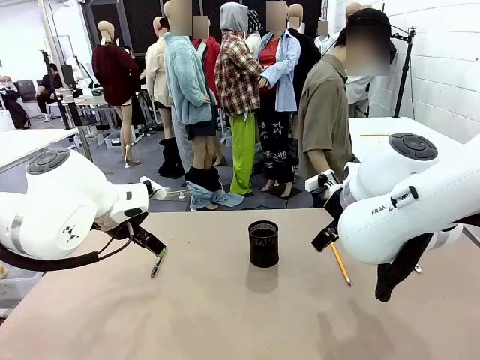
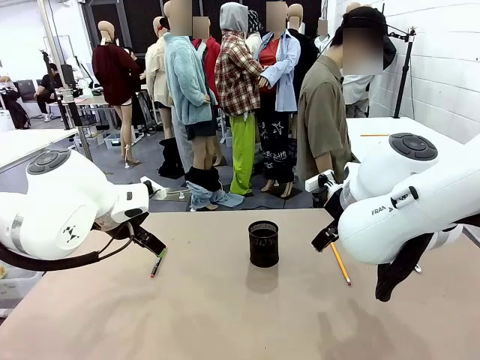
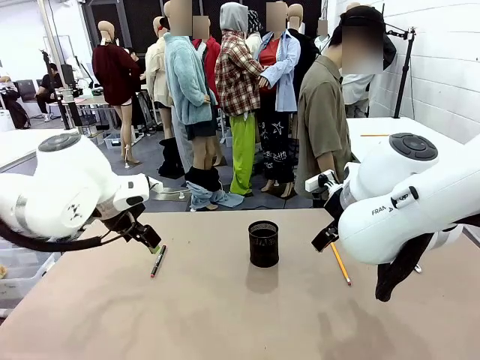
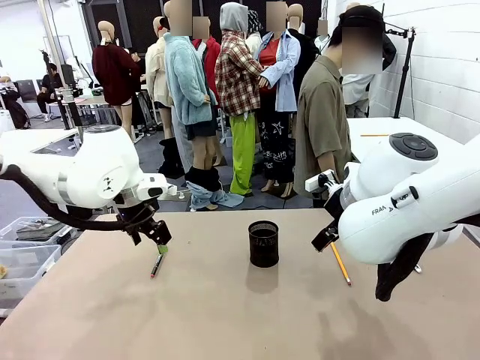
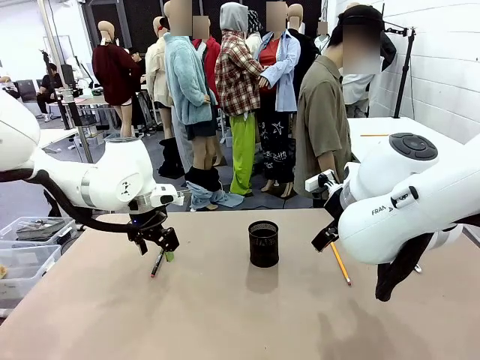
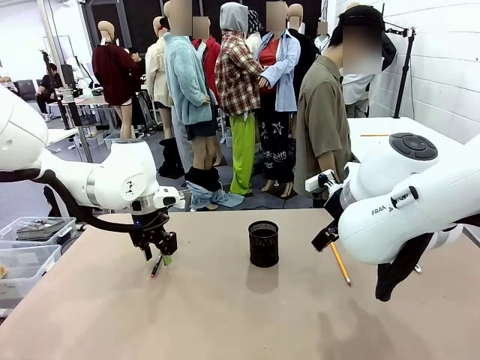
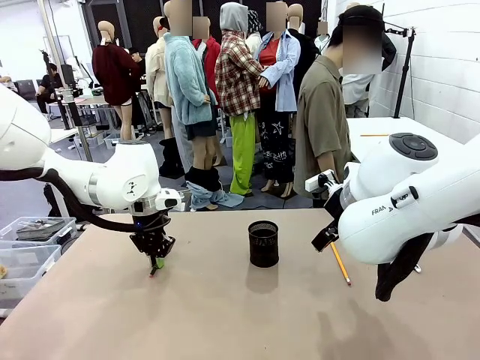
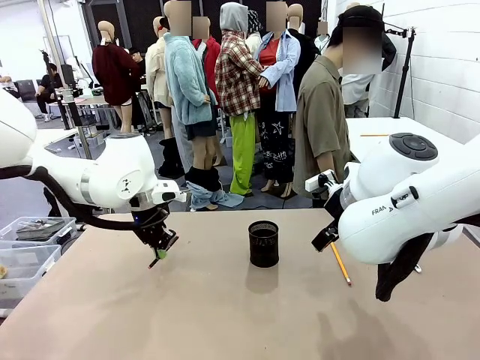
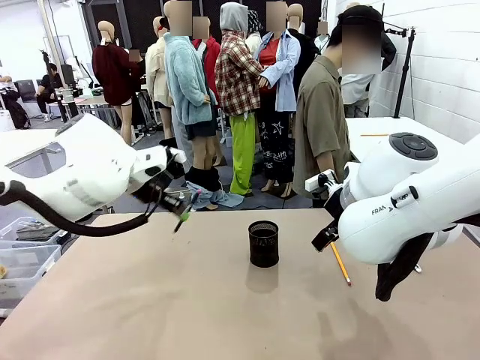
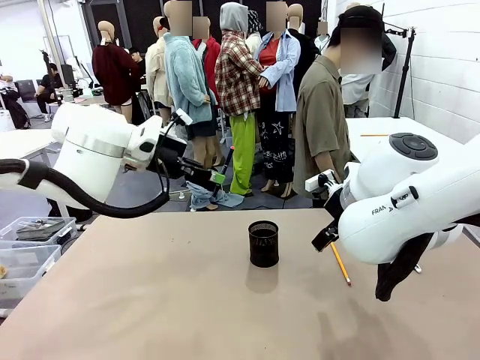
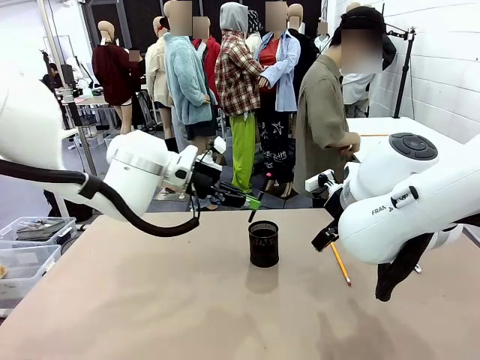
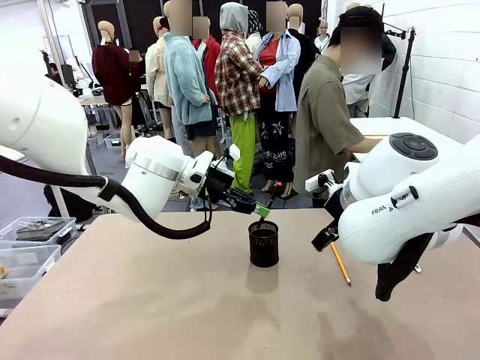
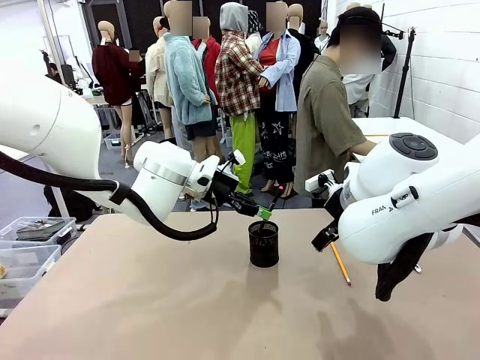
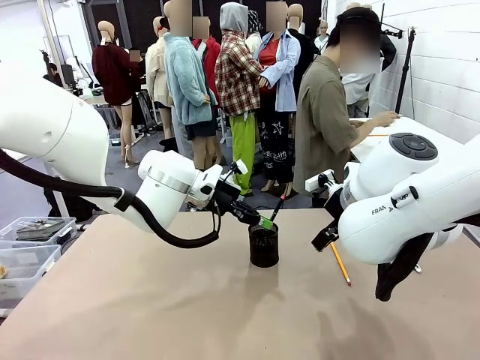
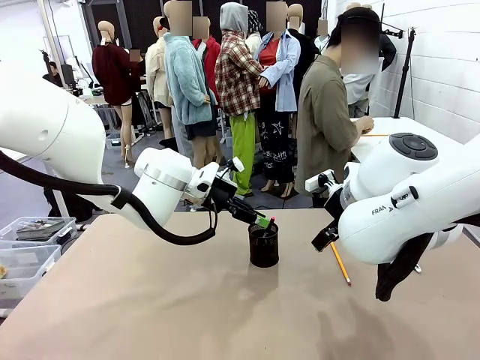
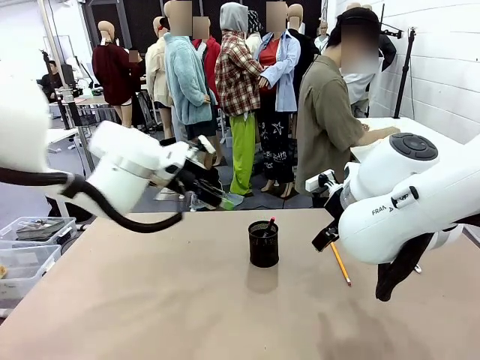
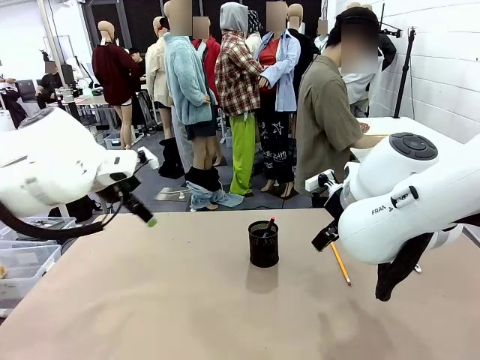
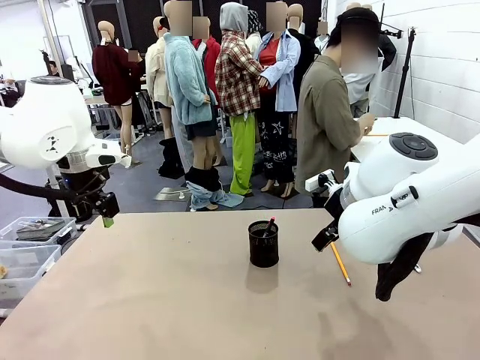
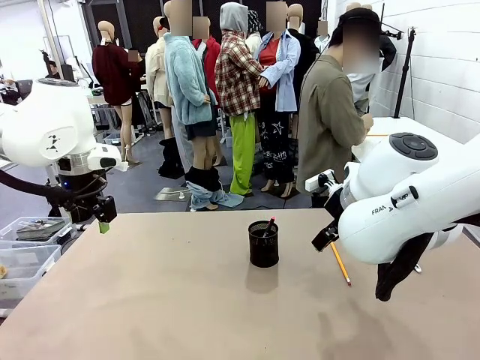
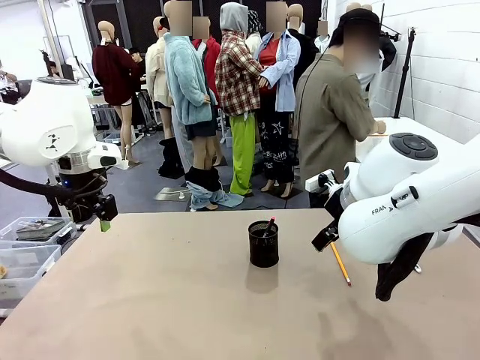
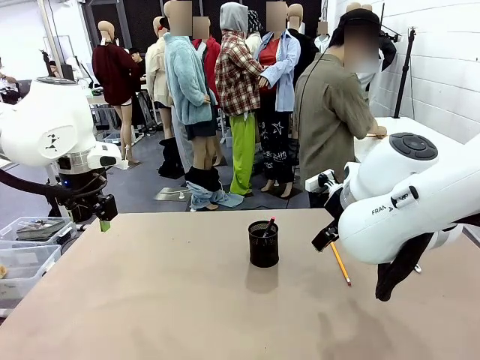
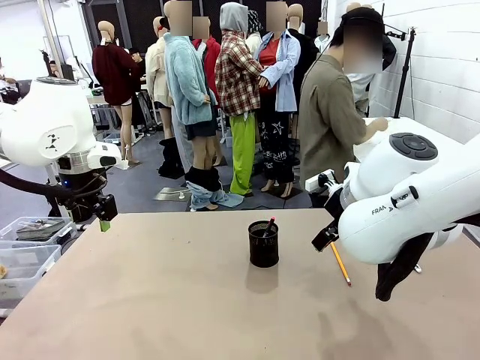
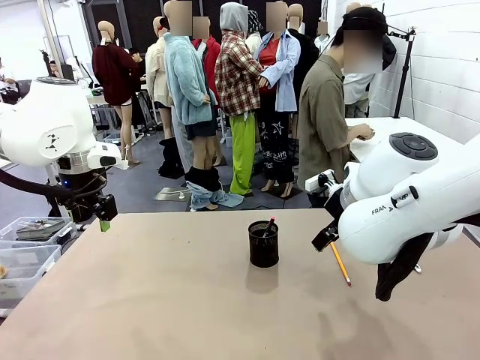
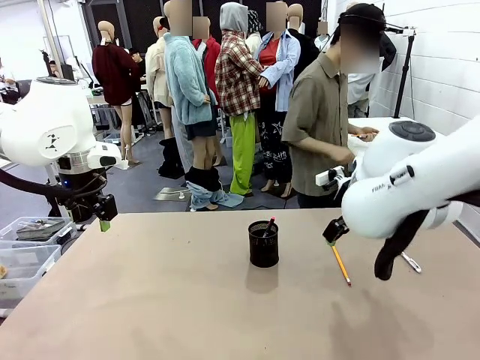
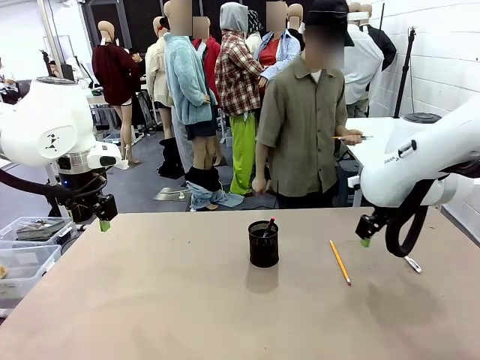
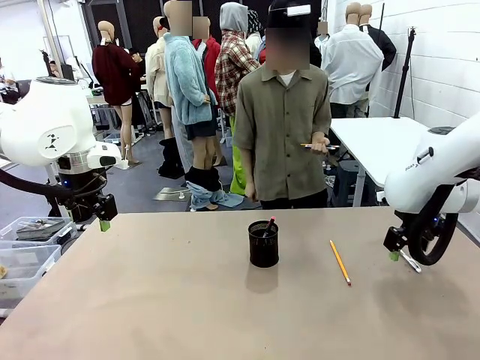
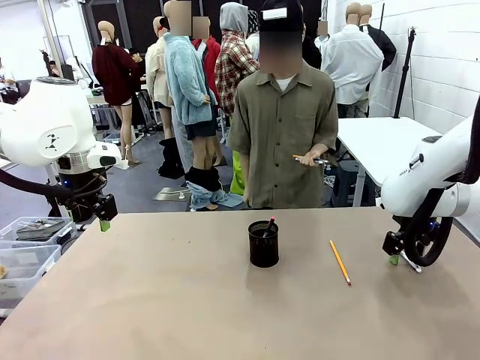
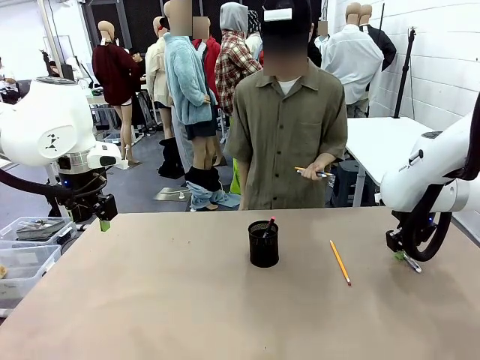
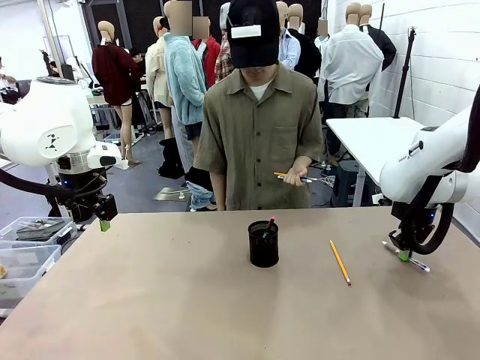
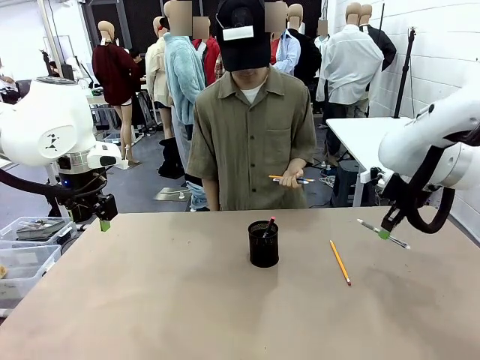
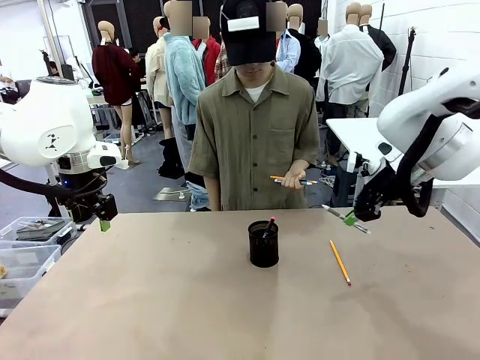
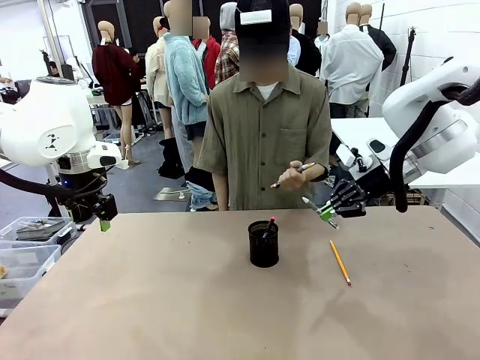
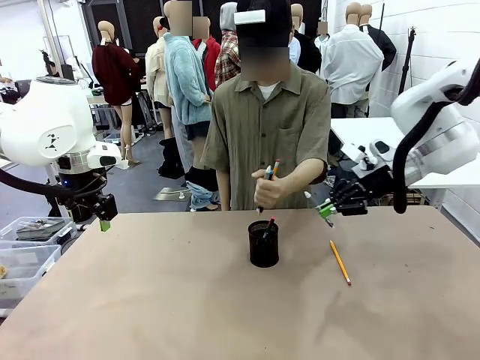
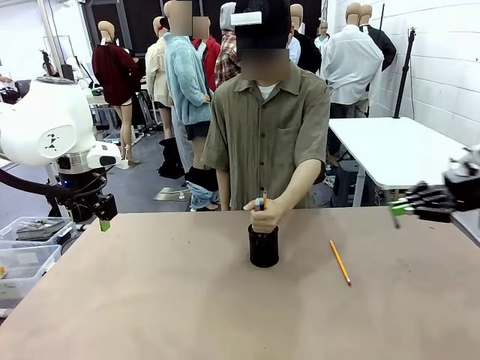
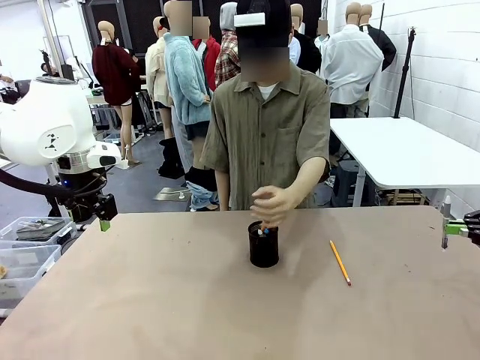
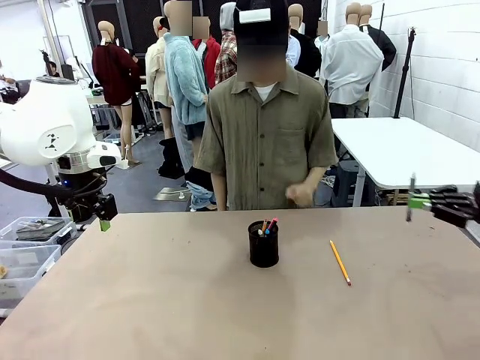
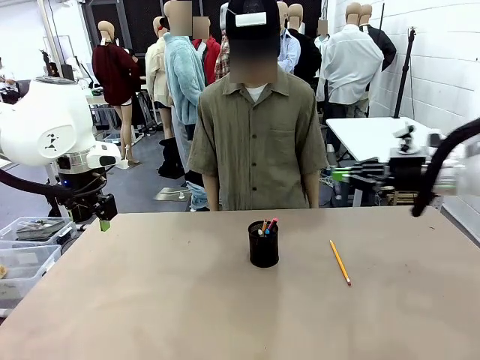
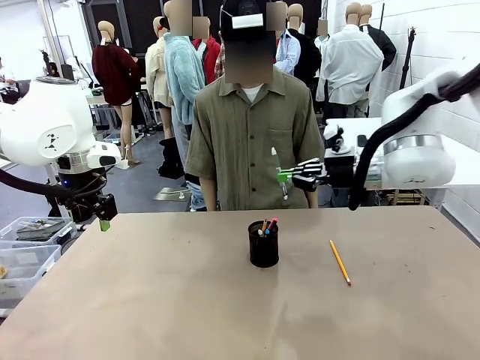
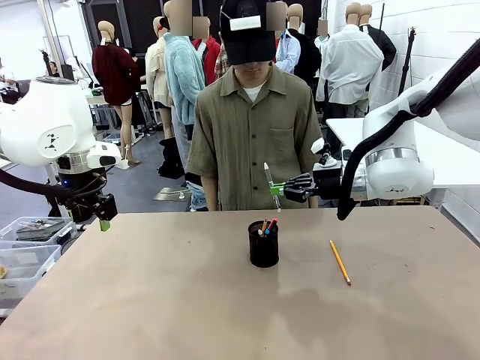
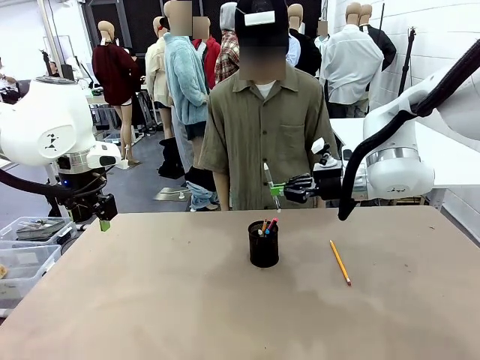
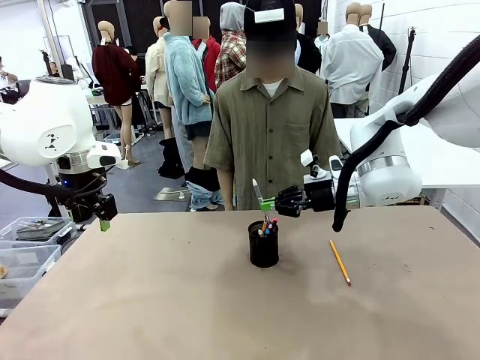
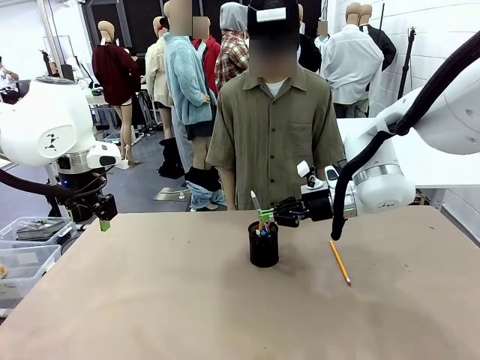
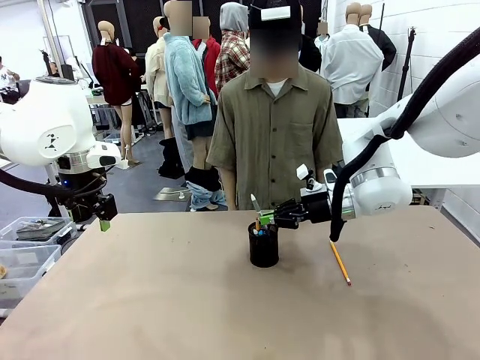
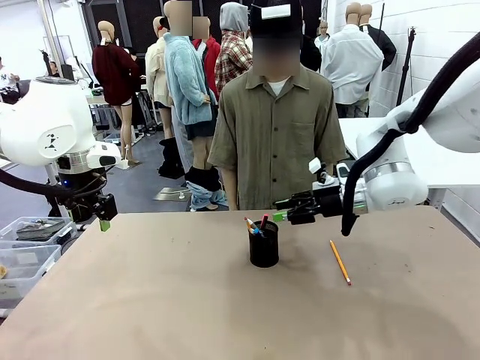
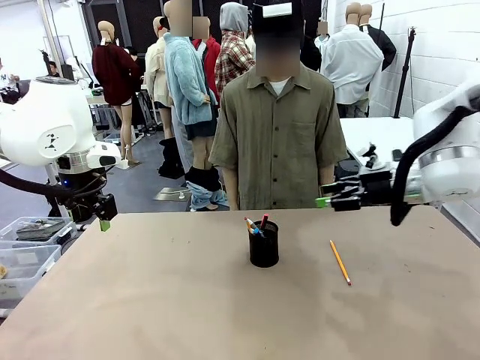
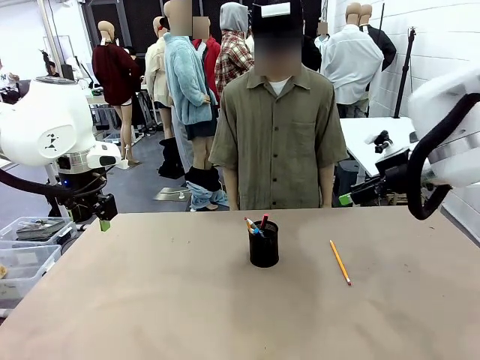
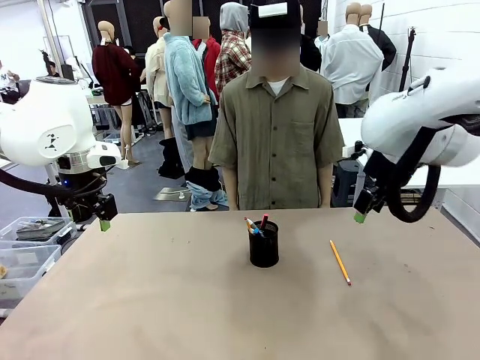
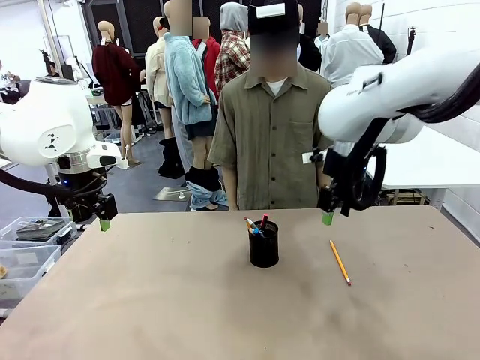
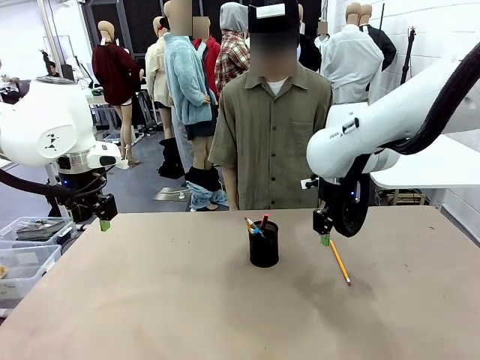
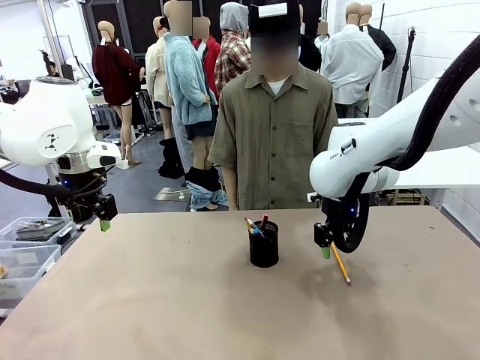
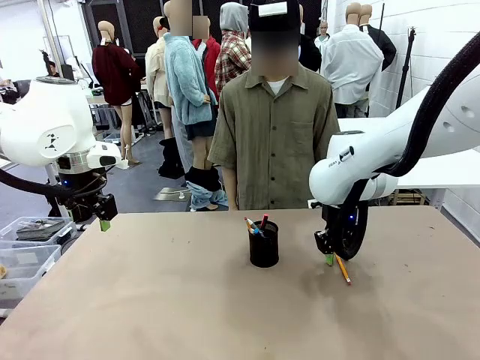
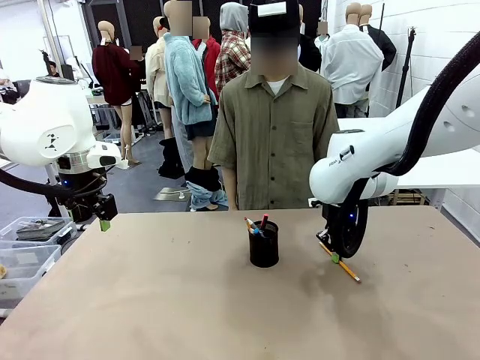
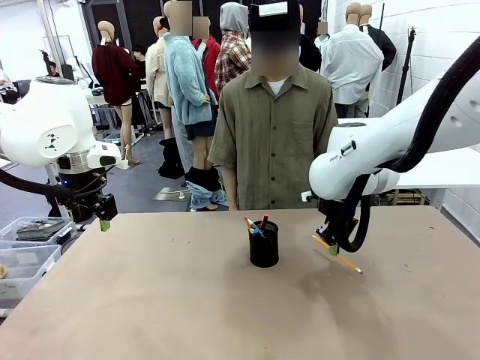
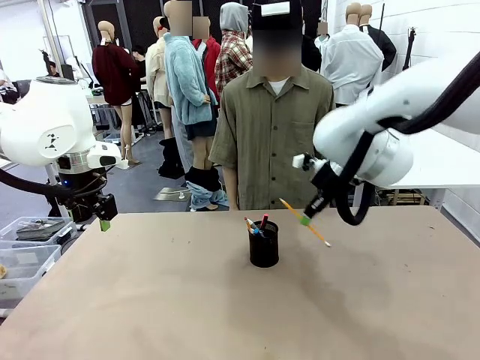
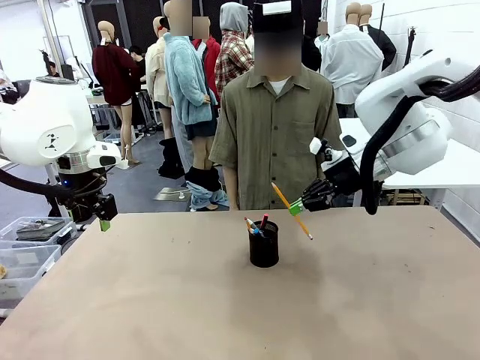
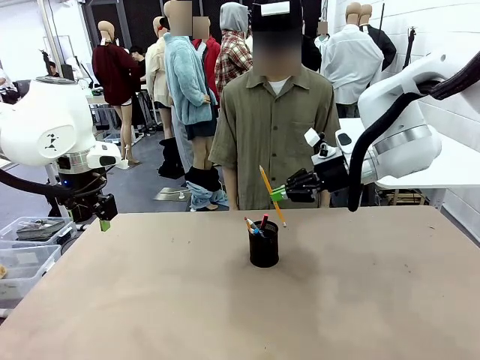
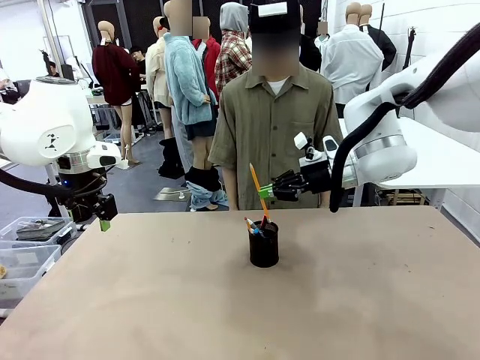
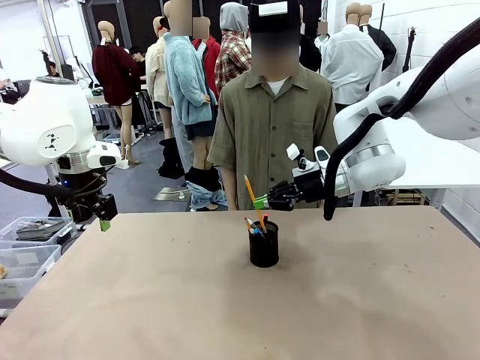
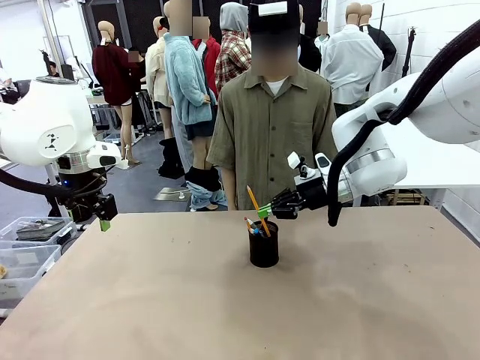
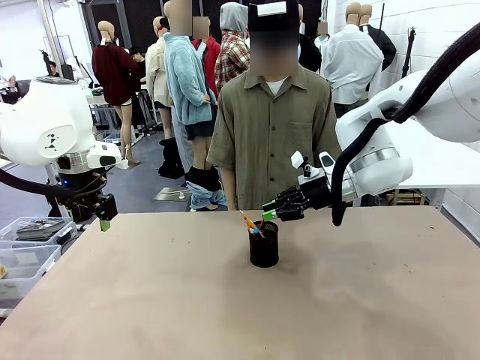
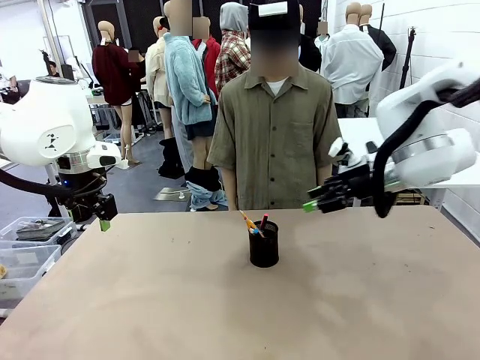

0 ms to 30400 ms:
Task: Place the pens into the pen holder.
Robot: Pick up a writing instrument from the table and place it into the Pen holder.
Person: Pick up all writing instruments from the Human table. Place all writing instrument into the Pen holder.
